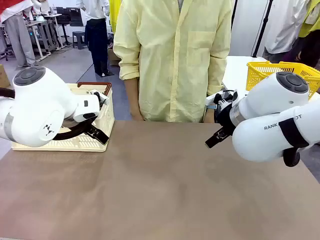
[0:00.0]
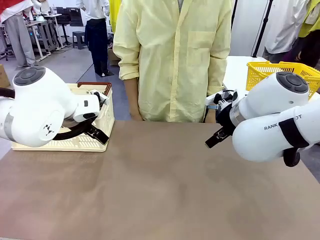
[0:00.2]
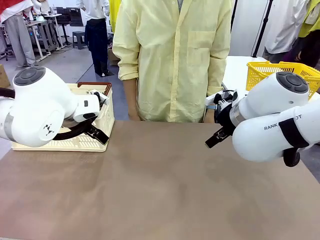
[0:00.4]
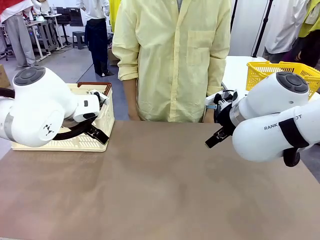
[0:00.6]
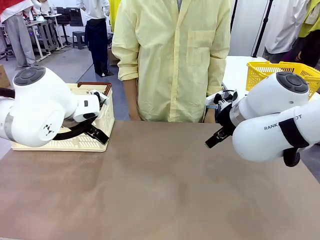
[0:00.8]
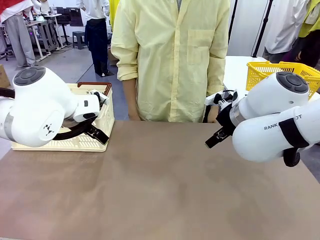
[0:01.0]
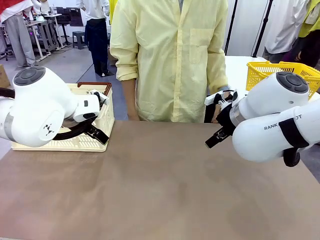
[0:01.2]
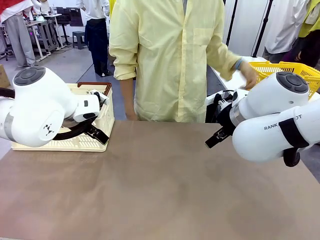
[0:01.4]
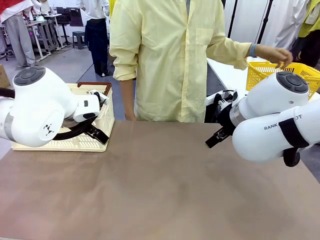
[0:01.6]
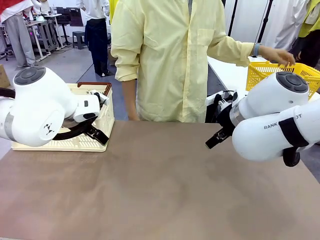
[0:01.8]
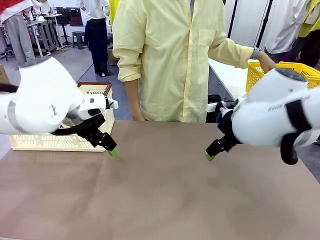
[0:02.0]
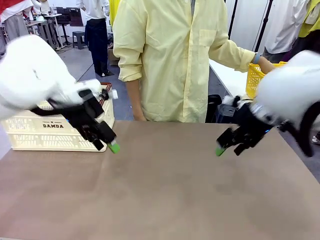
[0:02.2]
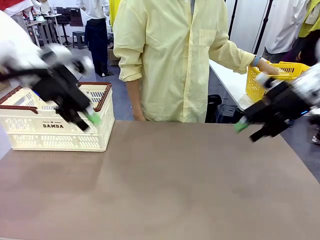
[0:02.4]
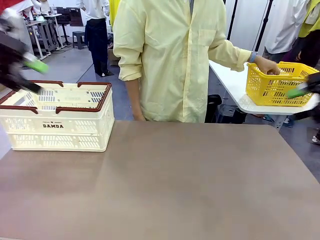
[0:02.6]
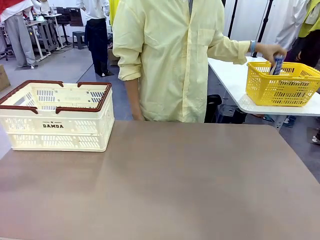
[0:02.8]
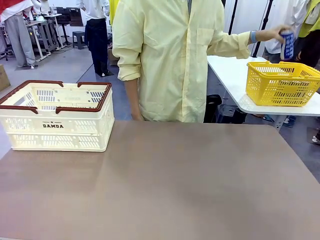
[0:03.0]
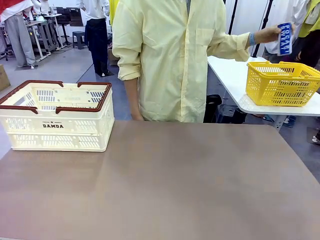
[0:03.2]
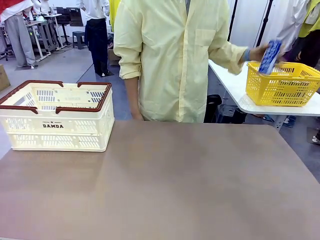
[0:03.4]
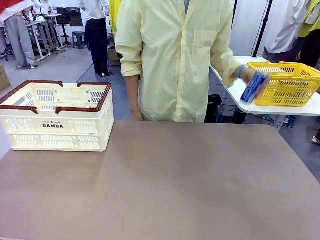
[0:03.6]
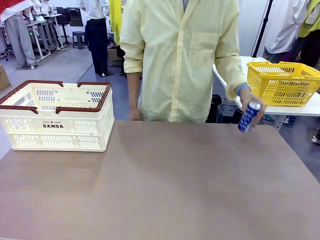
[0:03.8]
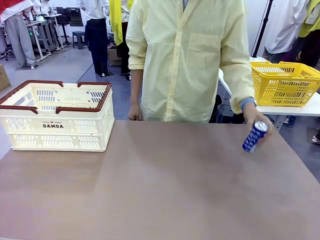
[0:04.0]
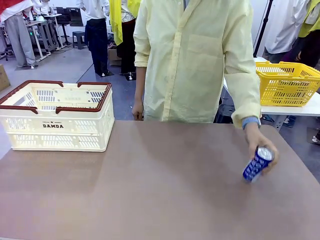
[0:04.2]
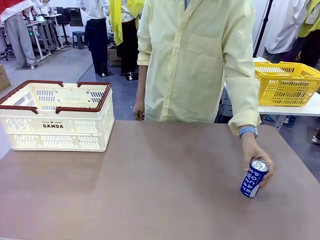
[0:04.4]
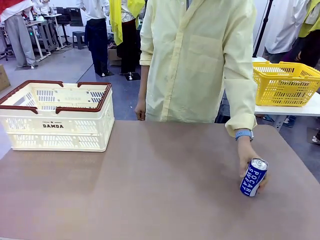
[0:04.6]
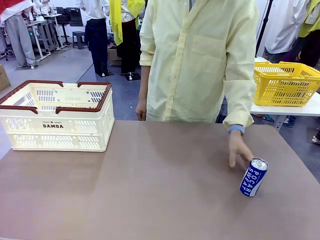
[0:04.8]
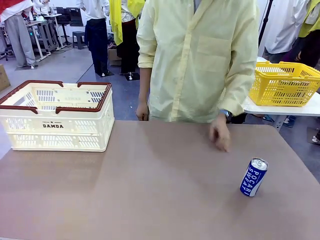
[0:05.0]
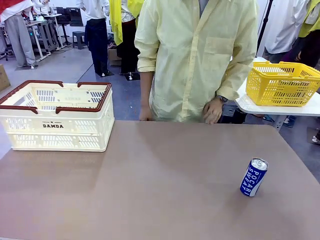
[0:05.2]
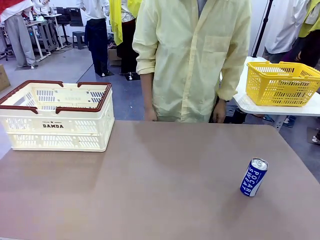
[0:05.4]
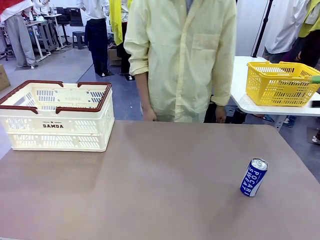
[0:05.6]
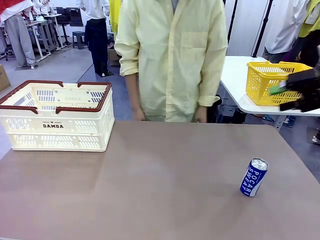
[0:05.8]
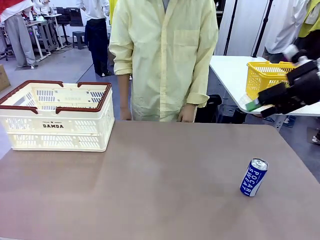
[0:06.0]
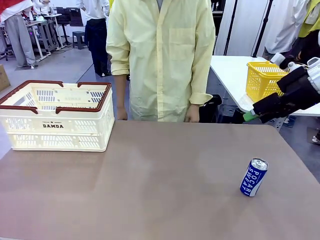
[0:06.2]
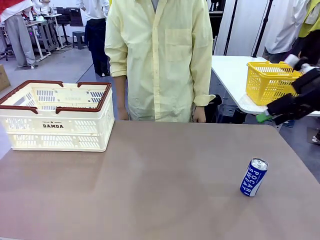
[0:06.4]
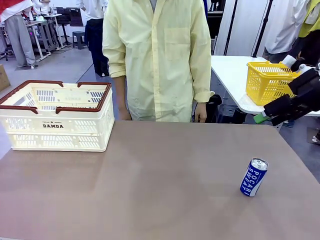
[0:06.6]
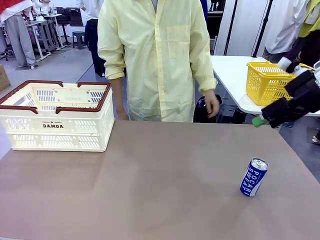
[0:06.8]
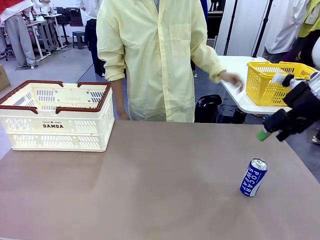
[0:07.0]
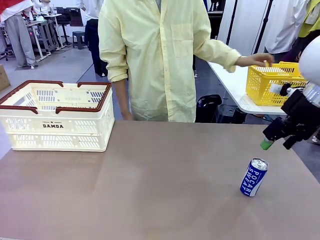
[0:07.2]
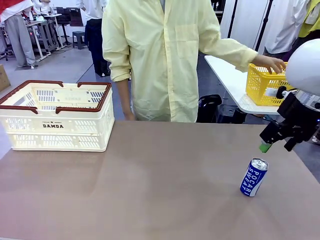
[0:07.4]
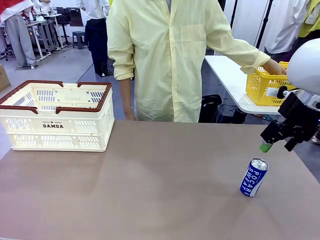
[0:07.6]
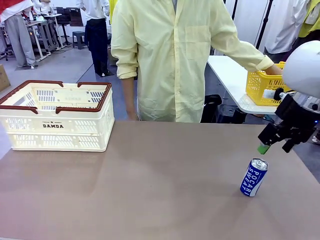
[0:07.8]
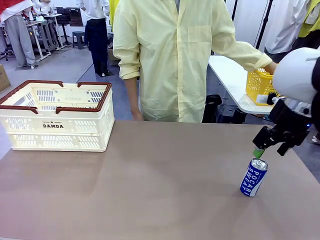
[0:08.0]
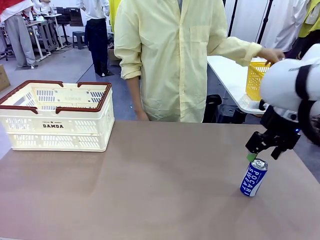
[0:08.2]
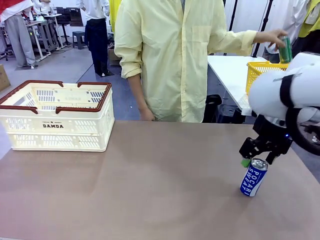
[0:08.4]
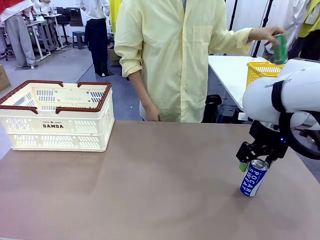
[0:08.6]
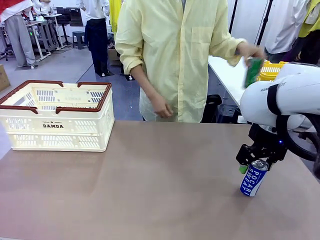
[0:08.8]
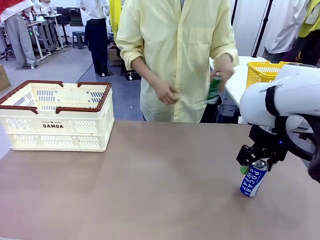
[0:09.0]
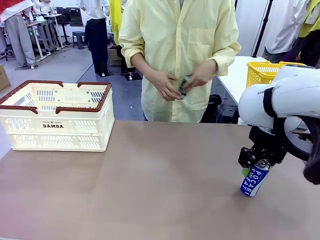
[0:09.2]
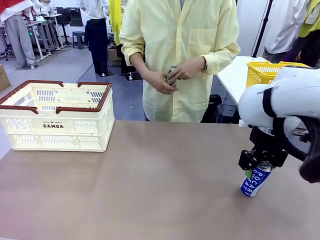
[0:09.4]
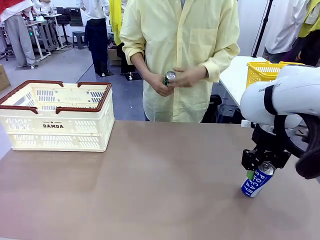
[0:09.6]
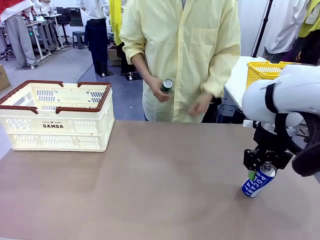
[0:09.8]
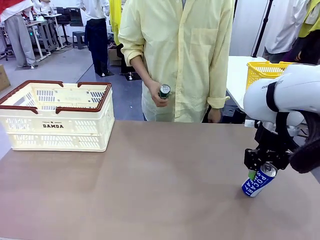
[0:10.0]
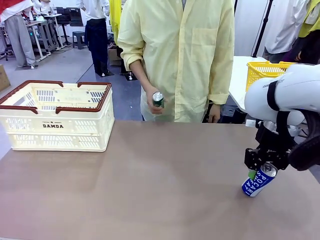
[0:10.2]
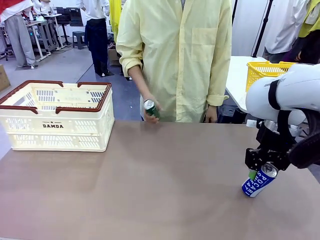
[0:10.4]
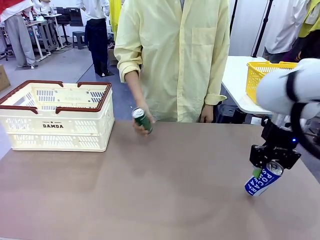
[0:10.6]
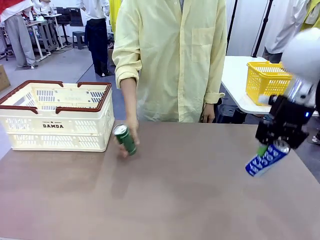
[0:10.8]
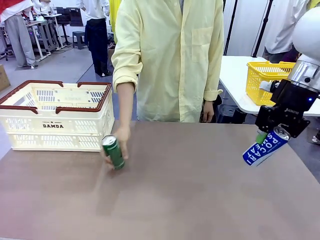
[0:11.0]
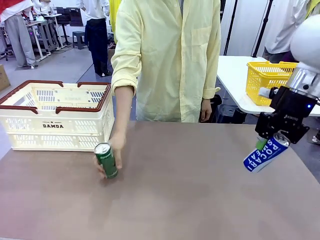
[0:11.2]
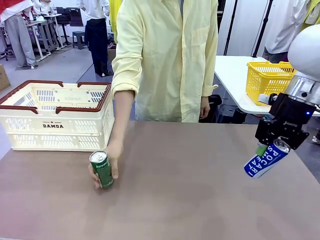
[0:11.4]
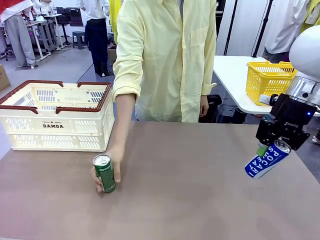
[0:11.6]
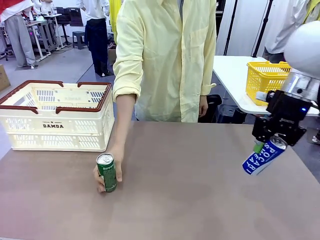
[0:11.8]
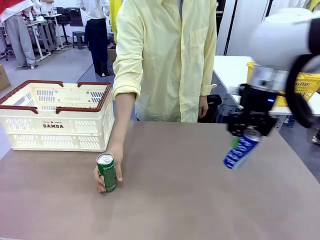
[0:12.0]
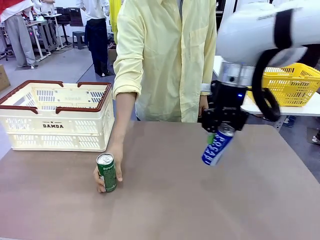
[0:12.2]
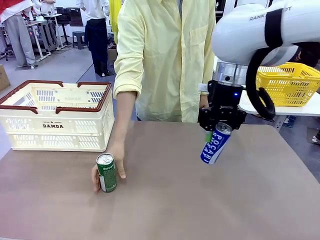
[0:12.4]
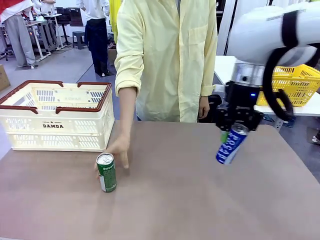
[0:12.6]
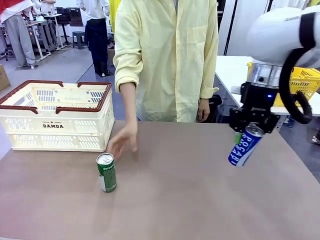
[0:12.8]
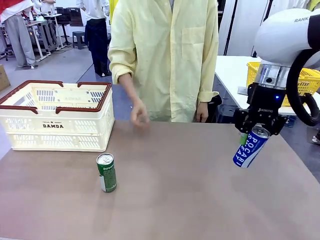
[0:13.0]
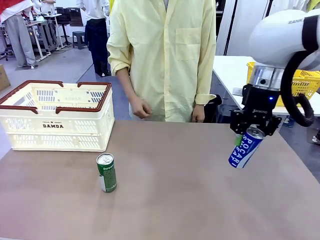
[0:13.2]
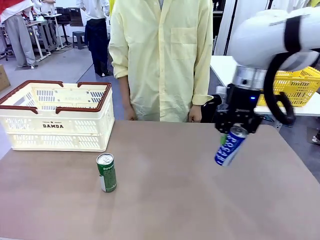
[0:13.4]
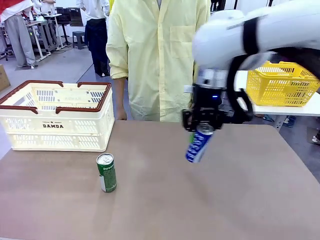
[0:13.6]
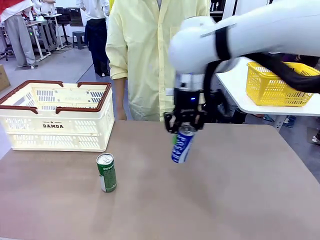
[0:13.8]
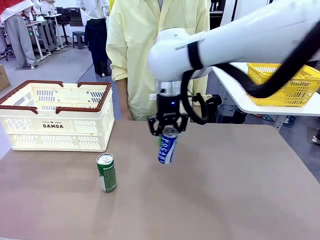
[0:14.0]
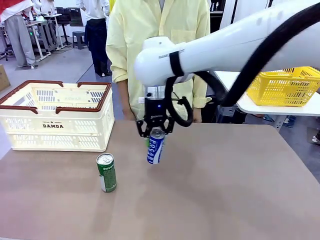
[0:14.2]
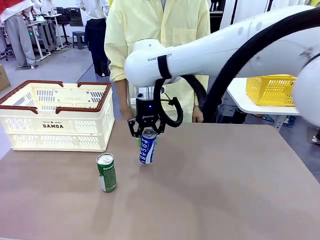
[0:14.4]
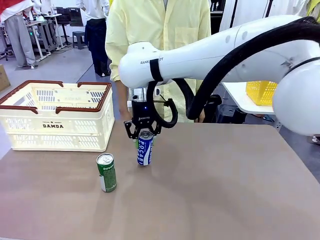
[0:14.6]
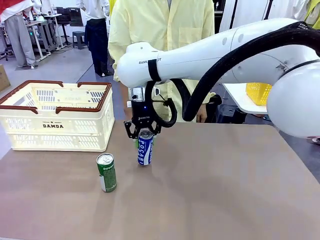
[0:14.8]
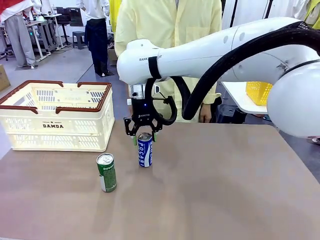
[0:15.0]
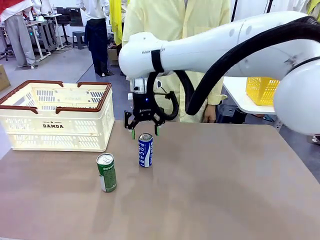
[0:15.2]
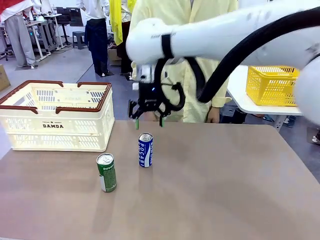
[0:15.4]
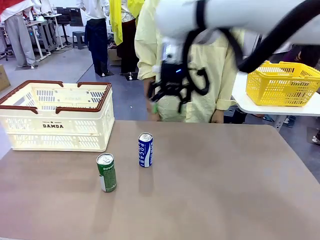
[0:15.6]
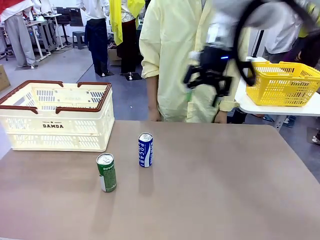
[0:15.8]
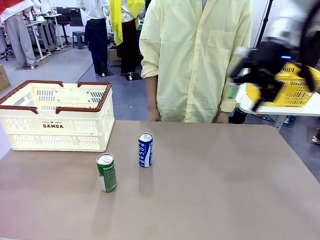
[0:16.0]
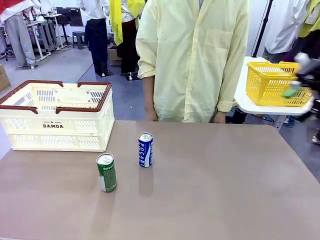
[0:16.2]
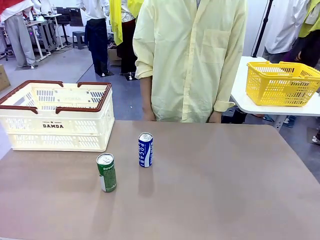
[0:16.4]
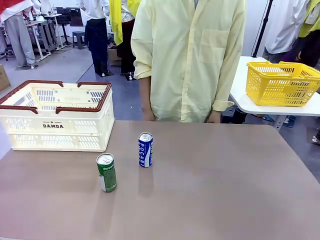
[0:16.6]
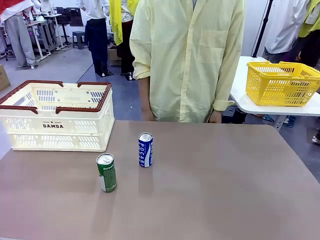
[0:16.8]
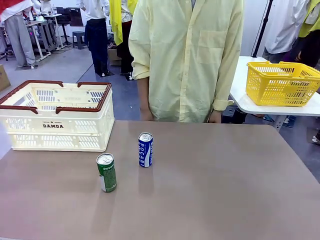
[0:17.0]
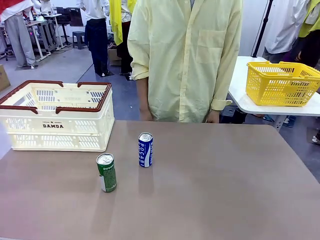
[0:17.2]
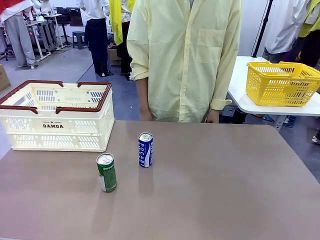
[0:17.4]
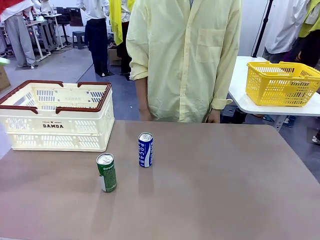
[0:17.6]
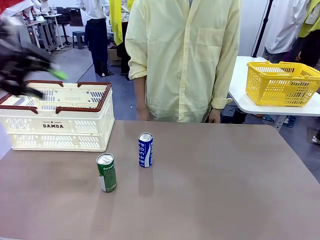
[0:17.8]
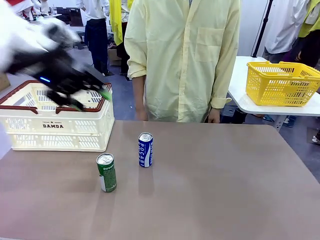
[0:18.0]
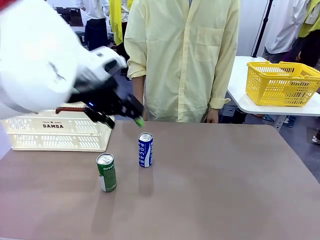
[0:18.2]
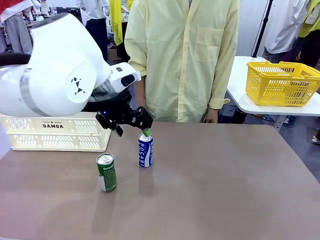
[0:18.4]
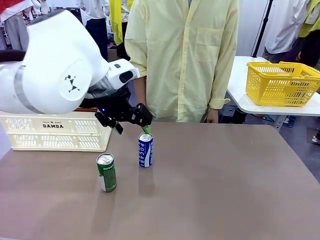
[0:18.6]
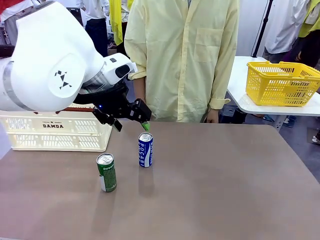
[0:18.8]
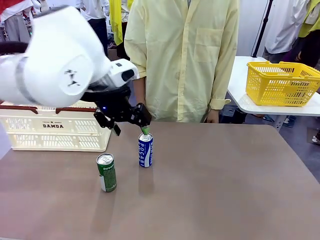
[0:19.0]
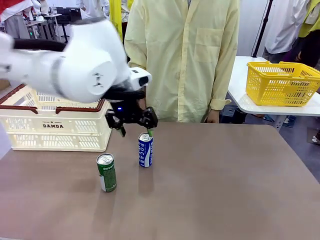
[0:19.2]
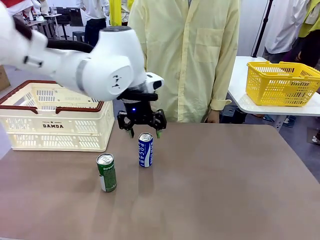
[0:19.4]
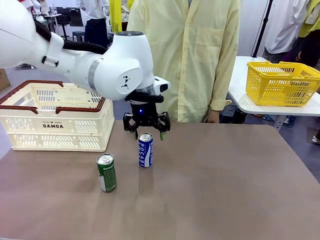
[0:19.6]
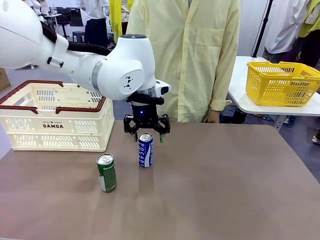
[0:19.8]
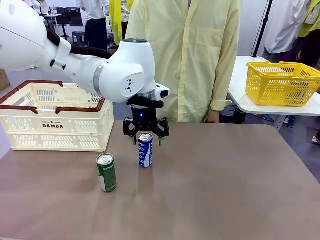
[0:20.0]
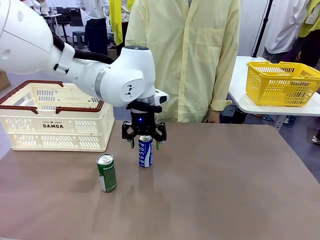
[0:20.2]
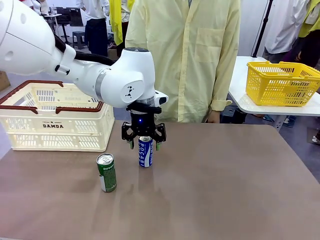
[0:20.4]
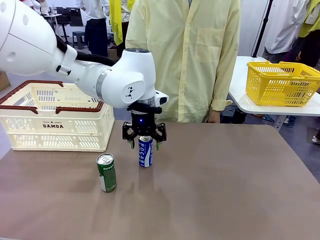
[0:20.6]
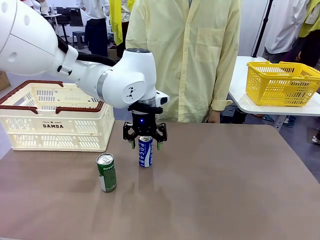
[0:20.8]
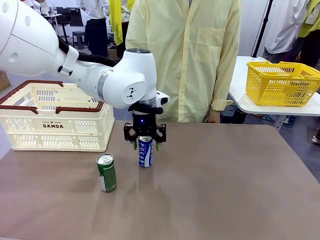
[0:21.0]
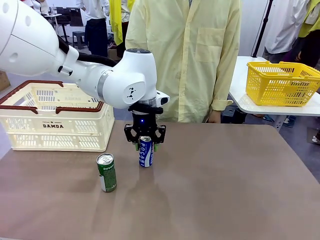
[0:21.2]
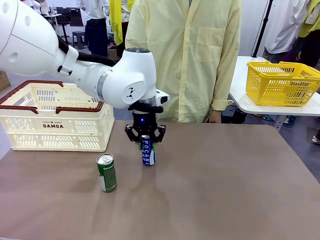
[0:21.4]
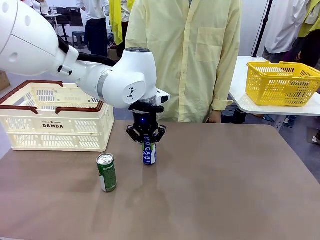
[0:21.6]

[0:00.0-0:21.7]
Task: Place the drinks into the Shopping basket.
Robot: Pick up one drink and place it into the Shopping basket.
